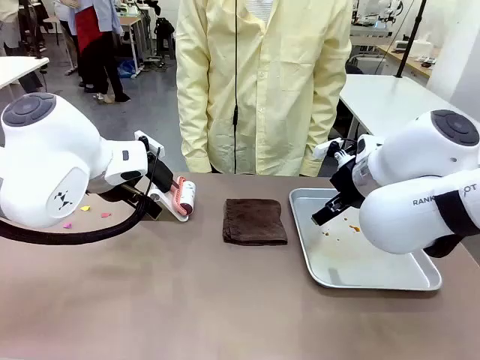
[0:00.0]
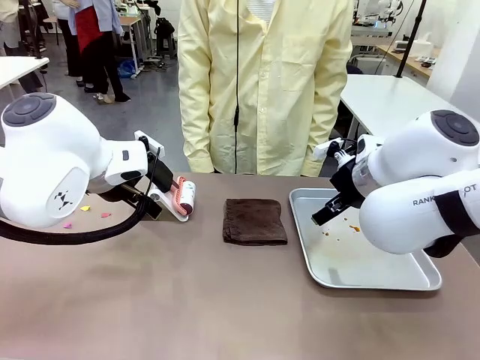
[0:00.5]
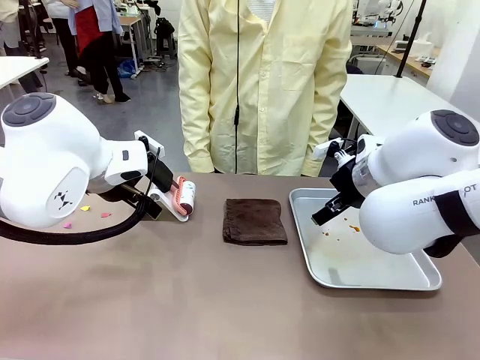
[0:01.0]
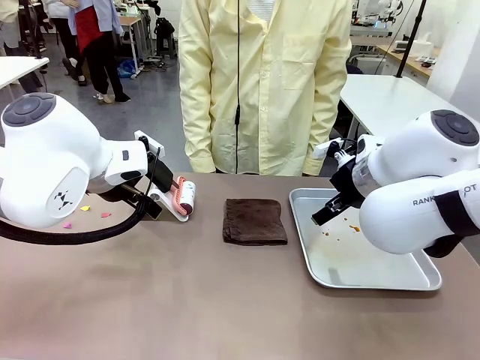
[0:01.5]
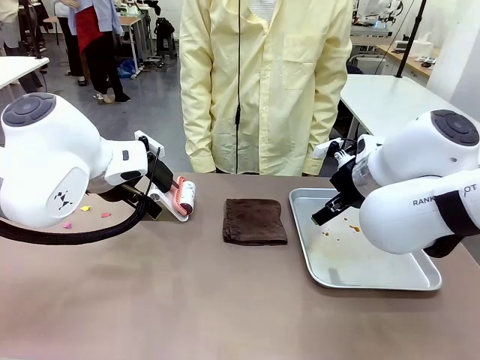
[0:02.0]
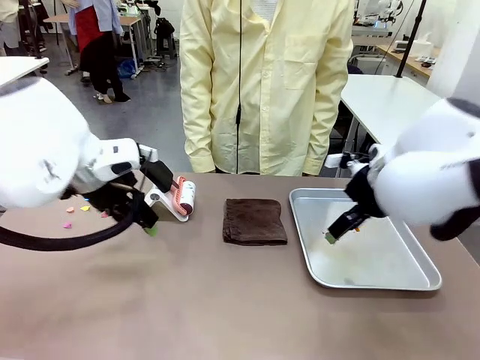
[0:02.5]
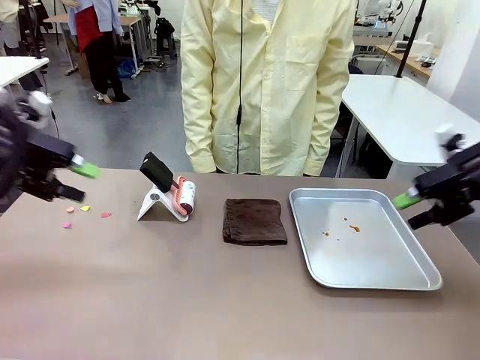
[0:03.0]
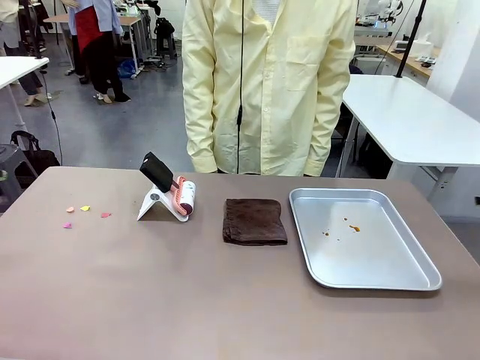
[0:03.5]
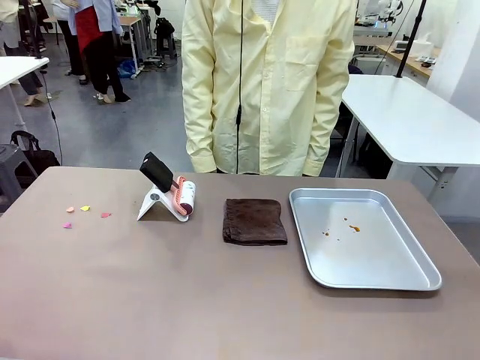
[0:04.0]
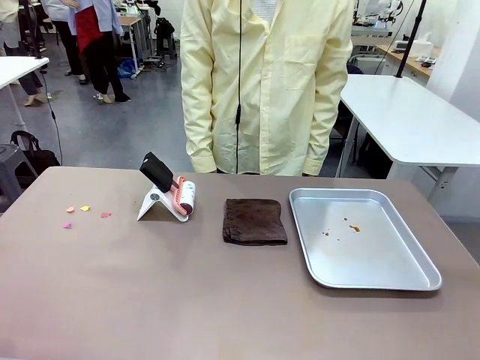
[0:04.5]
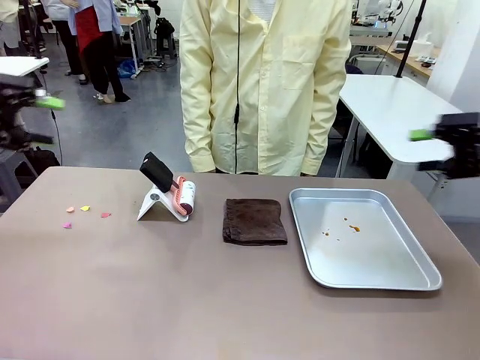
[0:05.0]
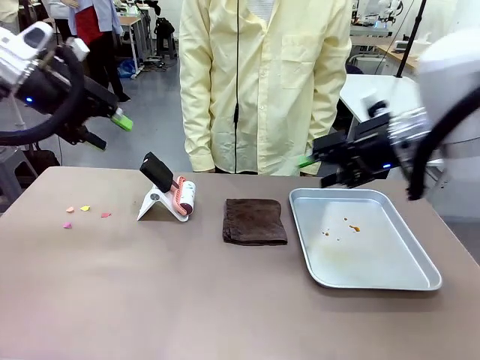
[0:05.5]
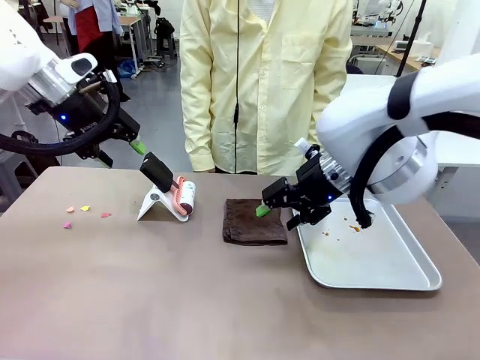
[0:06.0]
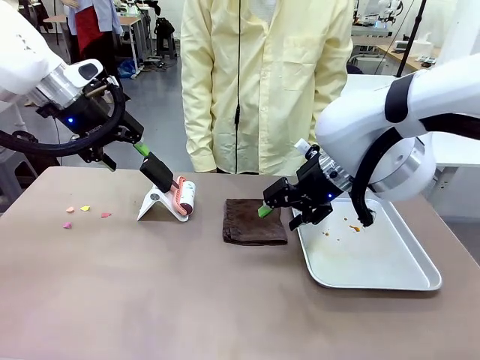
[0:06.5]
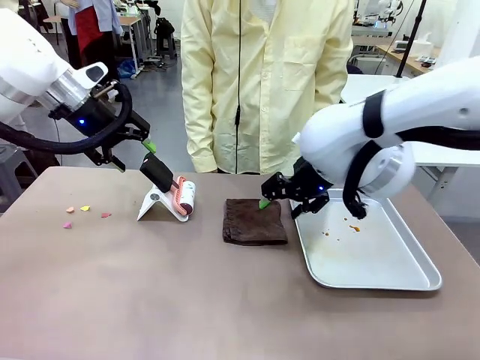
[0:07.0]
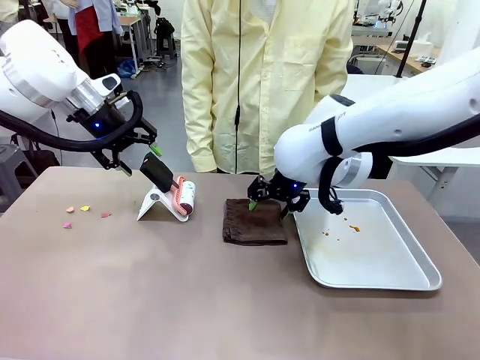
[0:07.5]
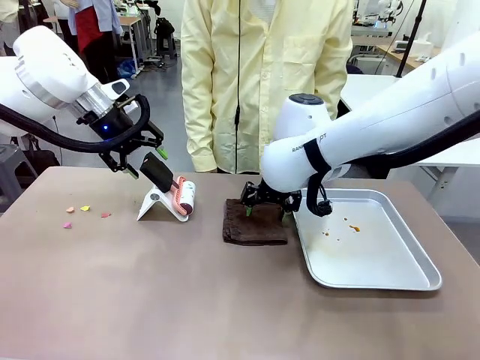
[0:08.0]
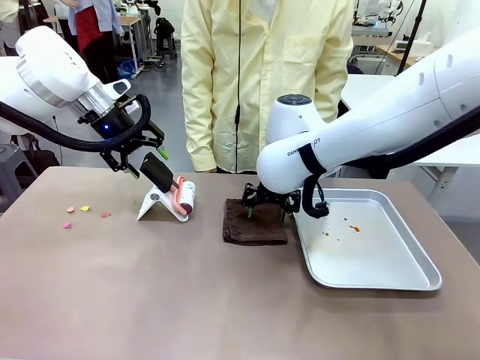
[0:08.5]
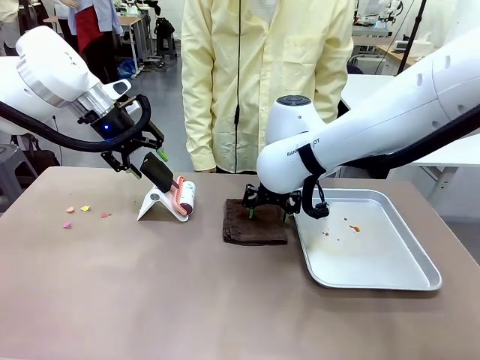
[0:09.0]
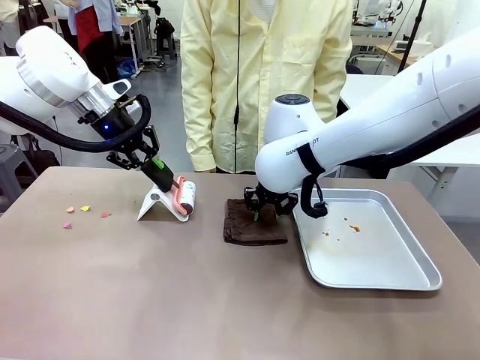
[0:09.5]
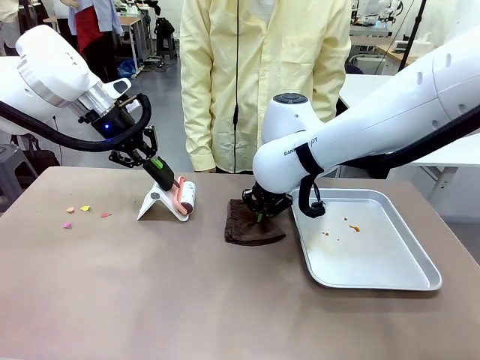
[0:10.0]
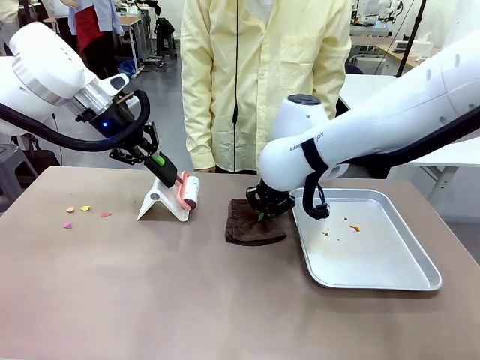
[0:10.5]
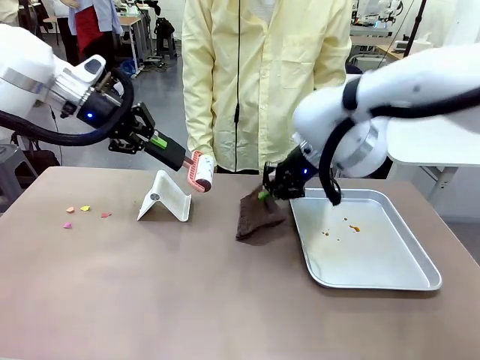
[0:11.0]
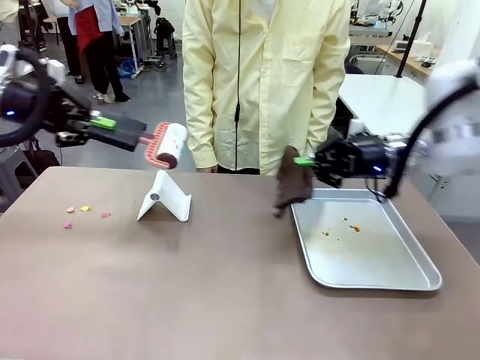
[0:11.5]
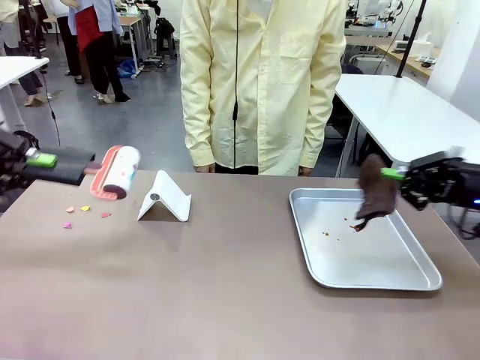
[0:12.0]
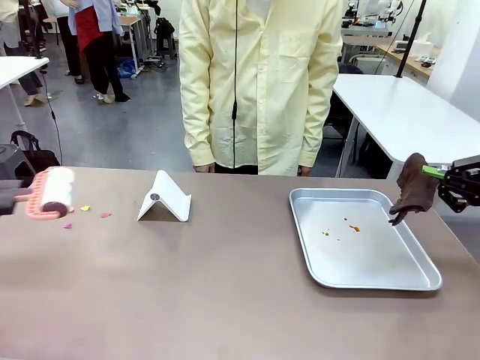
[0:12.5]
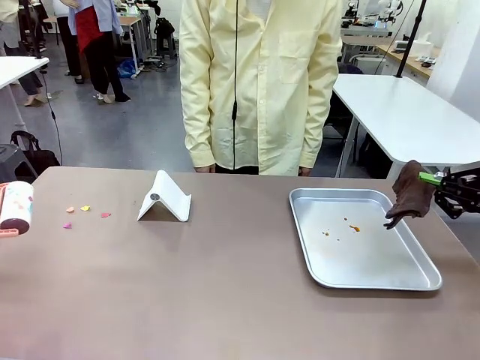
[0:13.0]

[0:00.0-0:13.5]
Task: Clean the surface of the table.
Robot: Hold the Lint Roller with your left hand and the towel with your right hand.

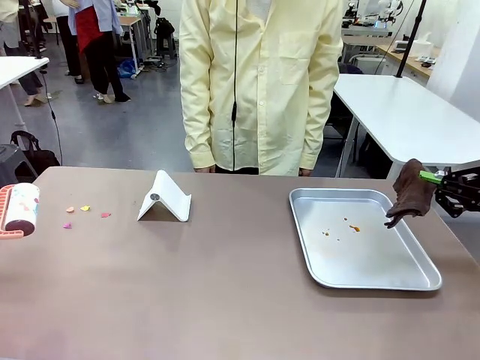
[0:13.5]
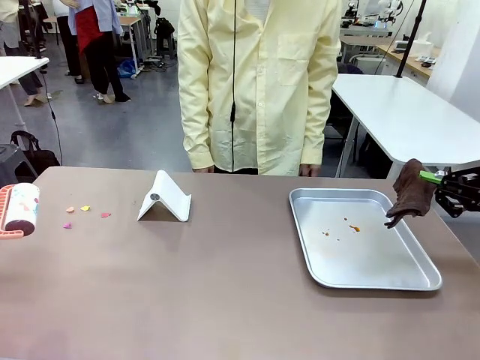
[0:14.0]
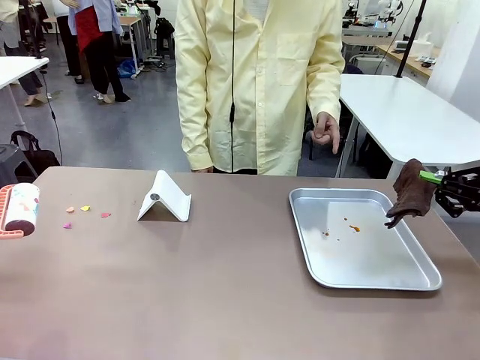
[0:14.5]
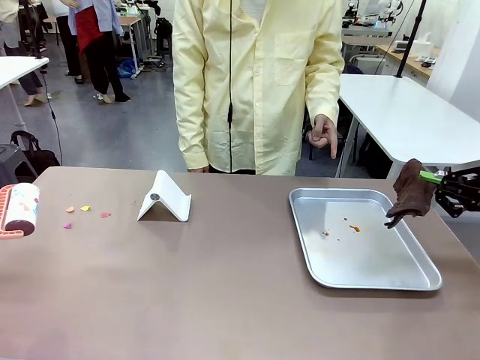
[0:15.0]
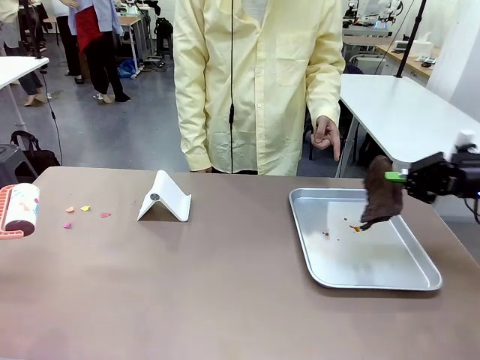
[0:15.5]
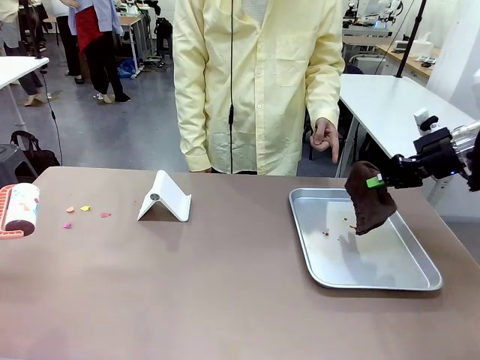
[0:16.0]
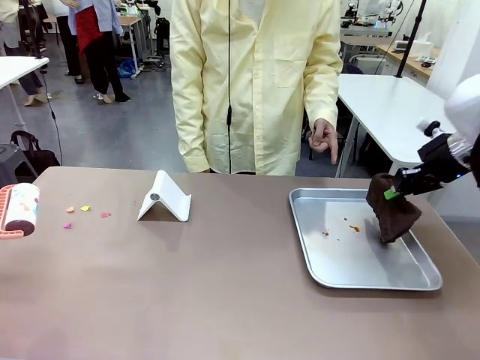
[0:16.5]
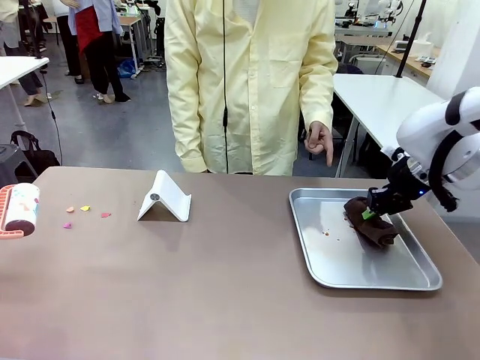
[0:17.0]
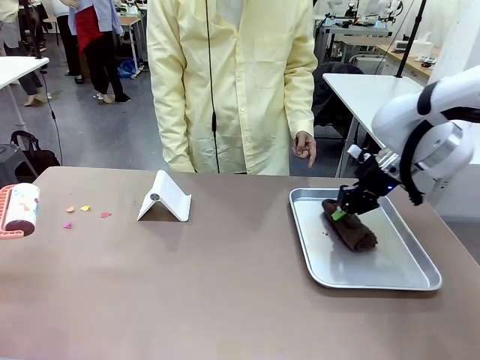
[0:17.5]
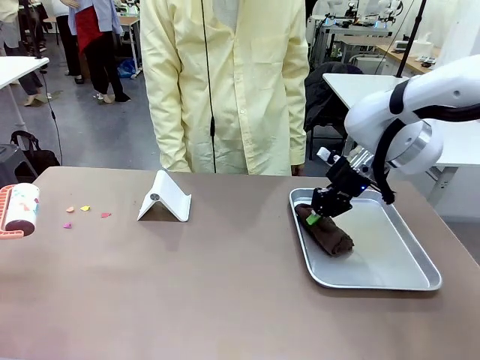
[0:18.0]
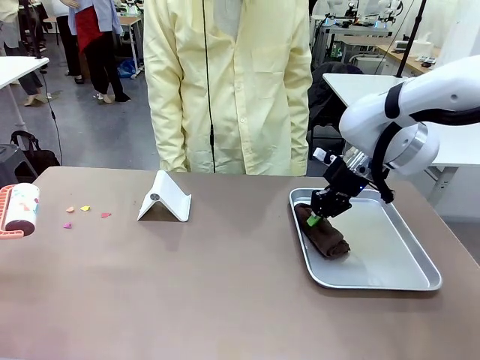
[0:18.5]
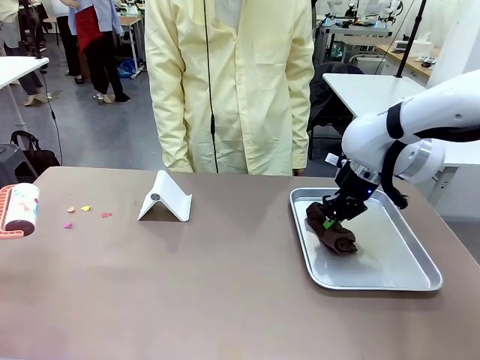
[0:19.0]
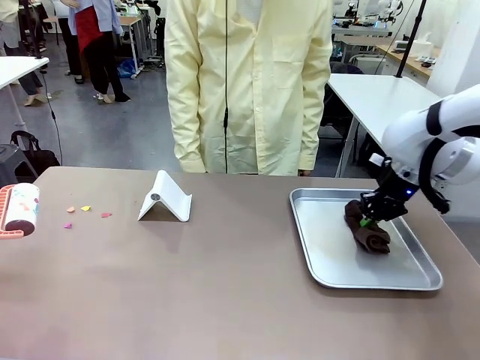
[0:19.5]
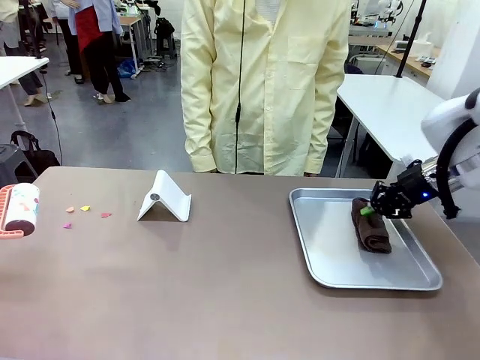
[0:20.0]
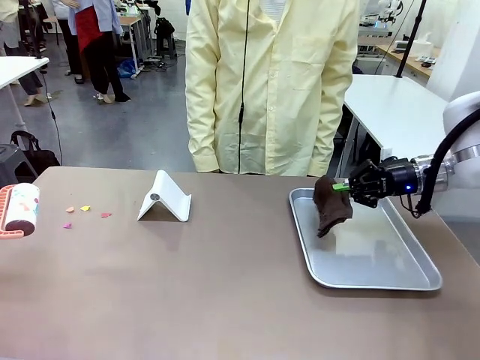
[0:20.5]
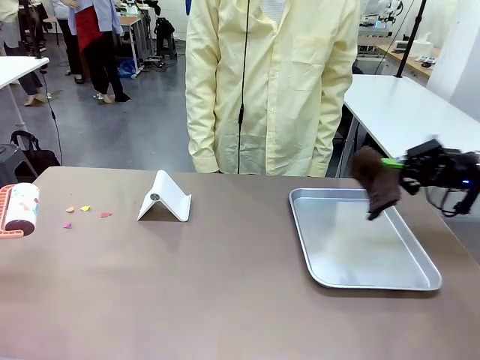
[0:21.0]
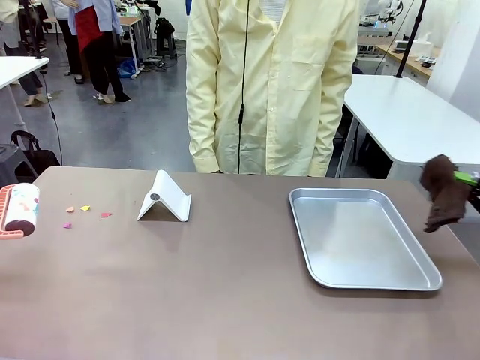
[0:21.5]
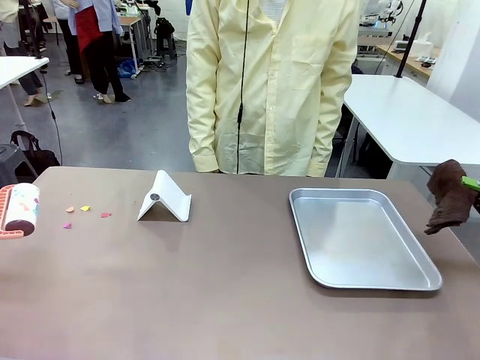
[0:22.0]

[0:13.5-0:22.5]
Robot: If a person points to the right, clean the right side of the table with your right hand, and if they point to the left, clean the left side with your left hand.
